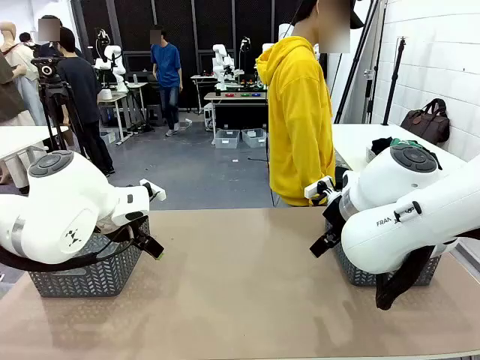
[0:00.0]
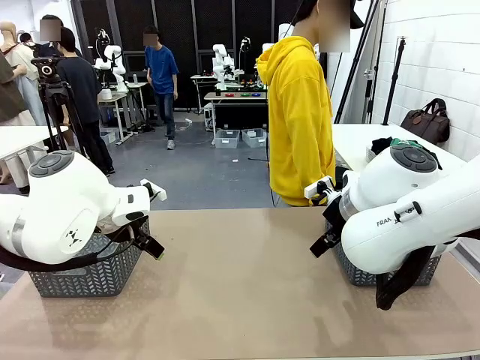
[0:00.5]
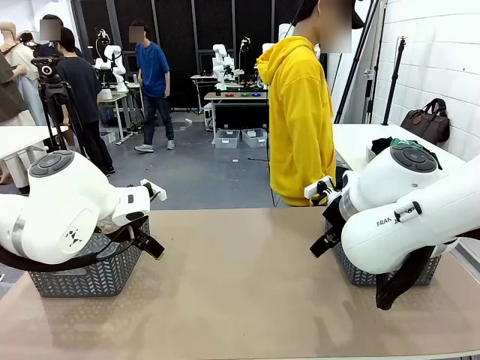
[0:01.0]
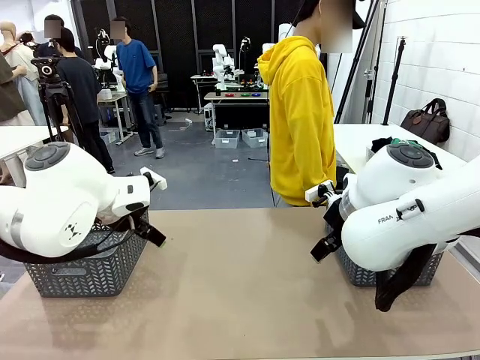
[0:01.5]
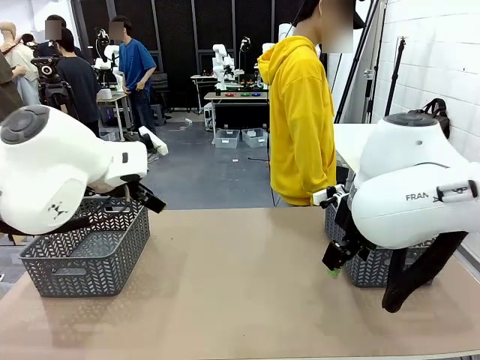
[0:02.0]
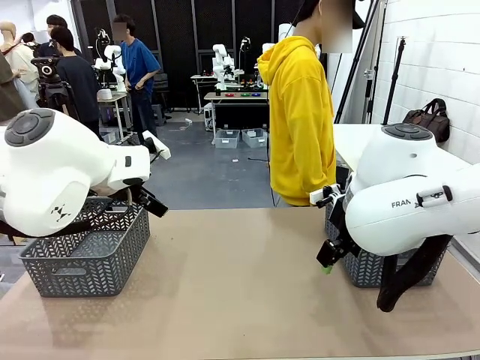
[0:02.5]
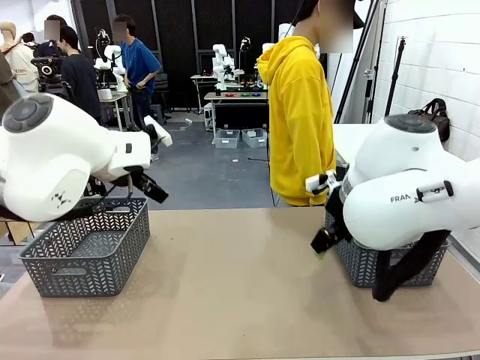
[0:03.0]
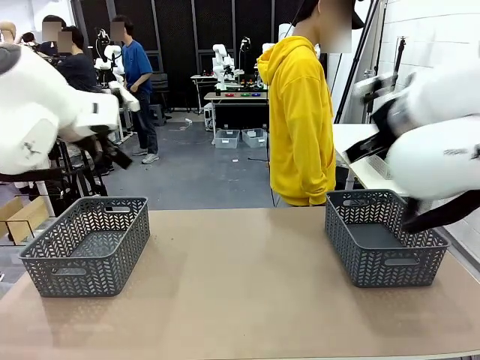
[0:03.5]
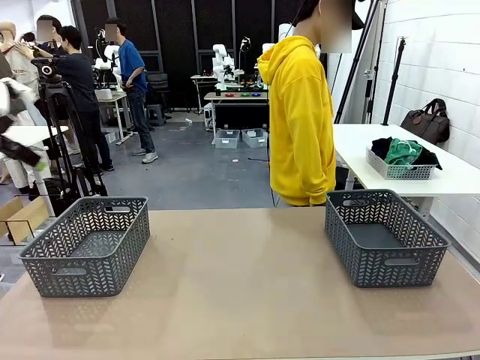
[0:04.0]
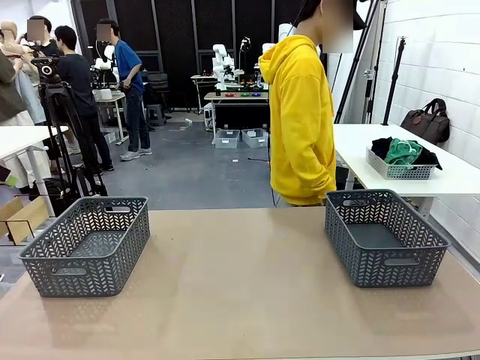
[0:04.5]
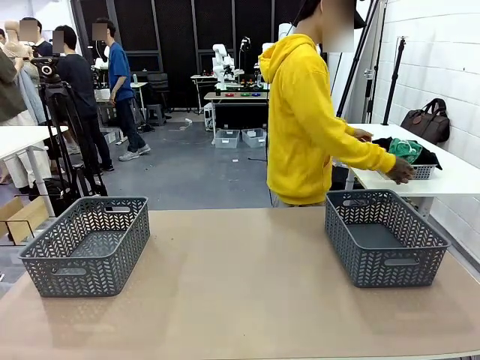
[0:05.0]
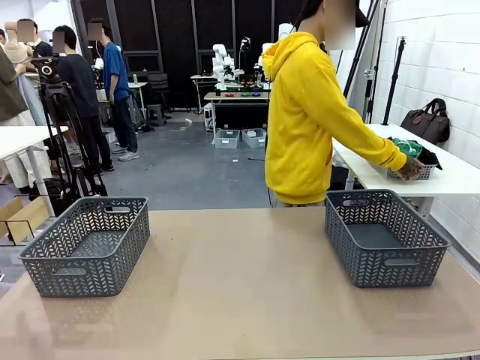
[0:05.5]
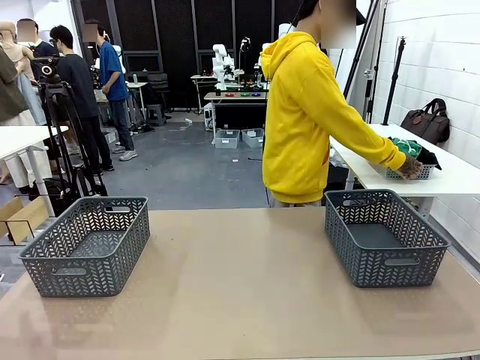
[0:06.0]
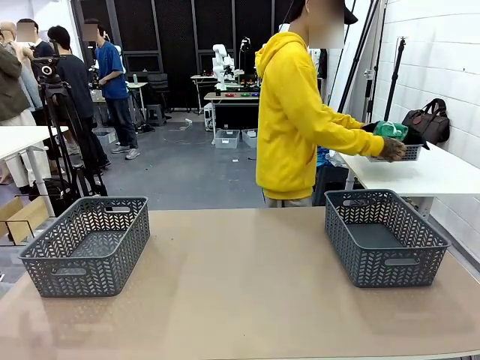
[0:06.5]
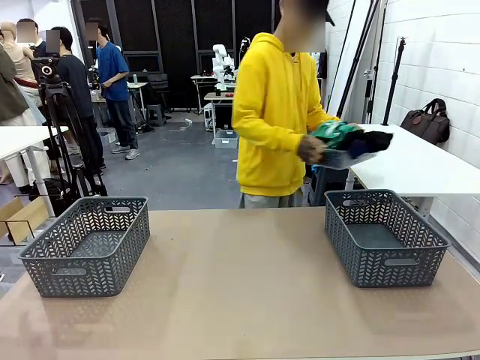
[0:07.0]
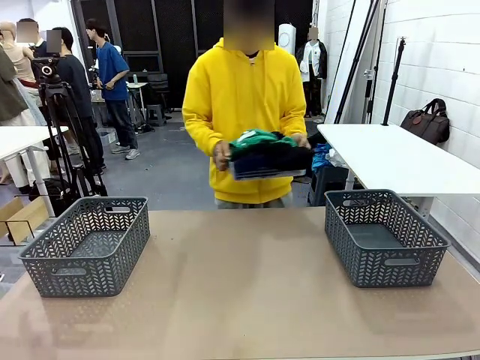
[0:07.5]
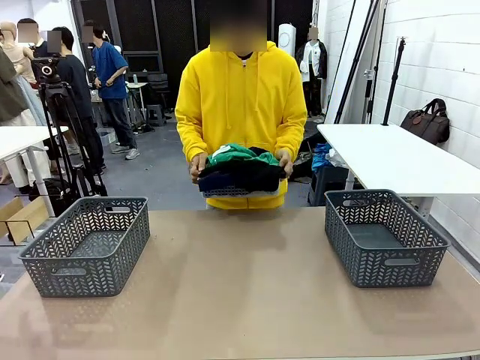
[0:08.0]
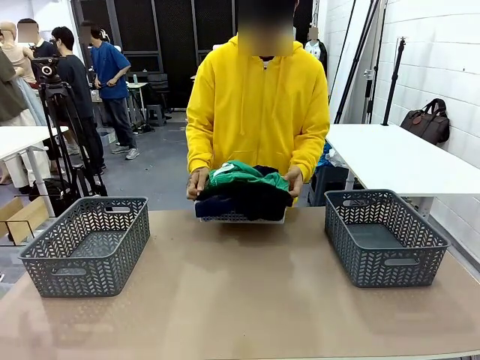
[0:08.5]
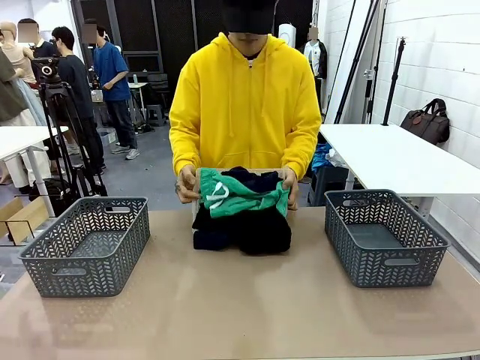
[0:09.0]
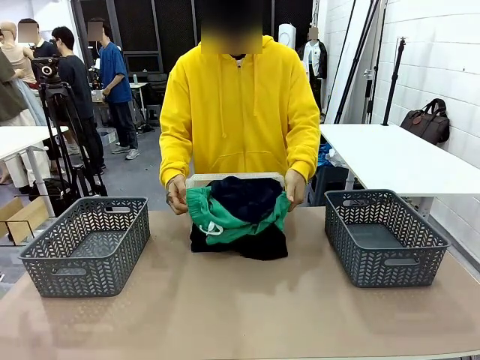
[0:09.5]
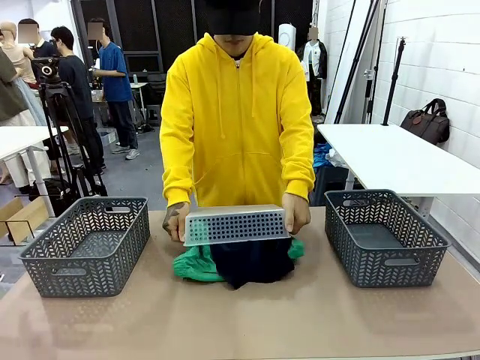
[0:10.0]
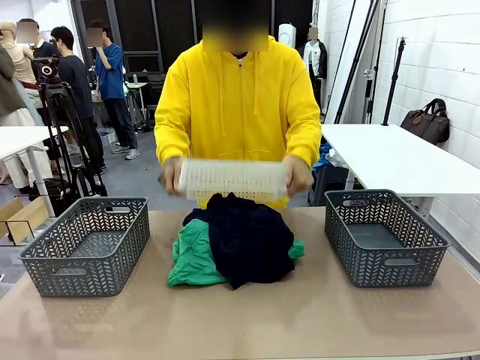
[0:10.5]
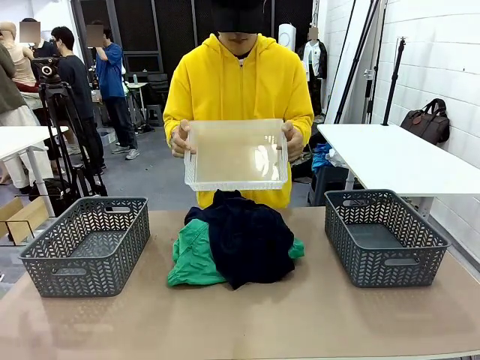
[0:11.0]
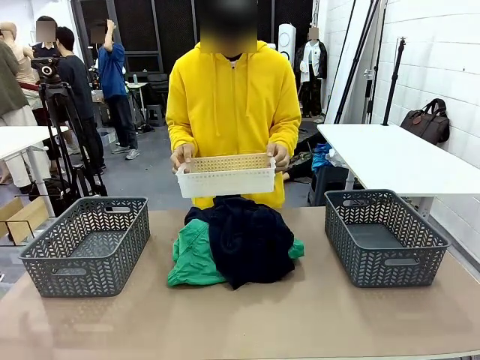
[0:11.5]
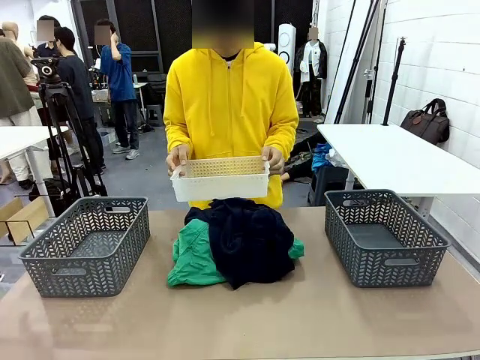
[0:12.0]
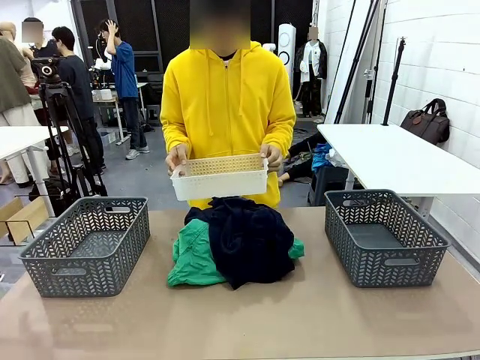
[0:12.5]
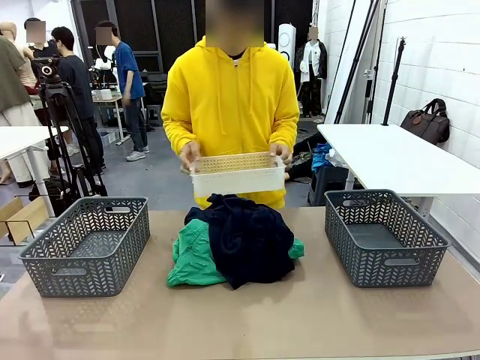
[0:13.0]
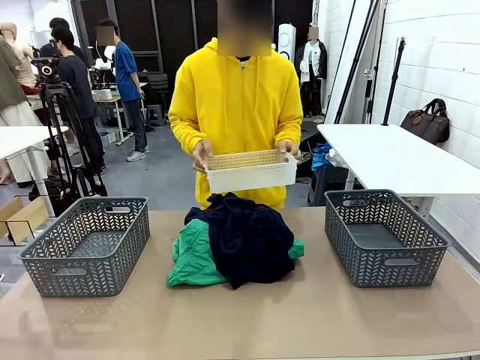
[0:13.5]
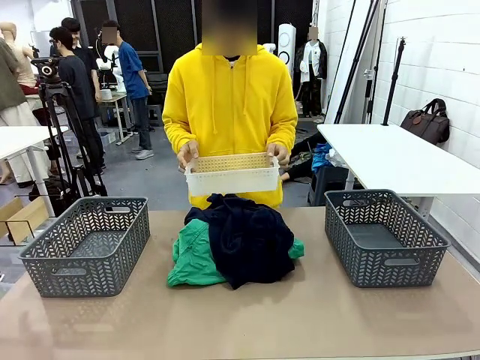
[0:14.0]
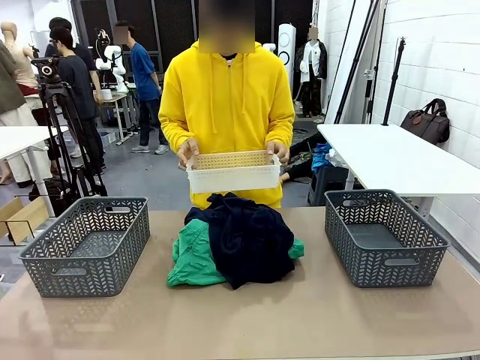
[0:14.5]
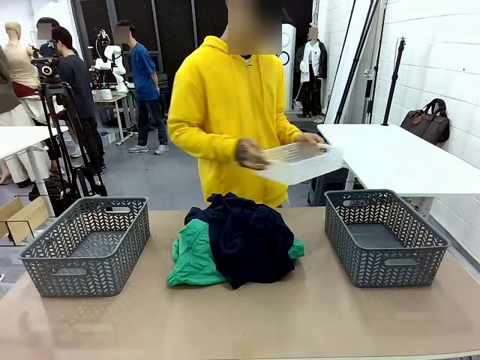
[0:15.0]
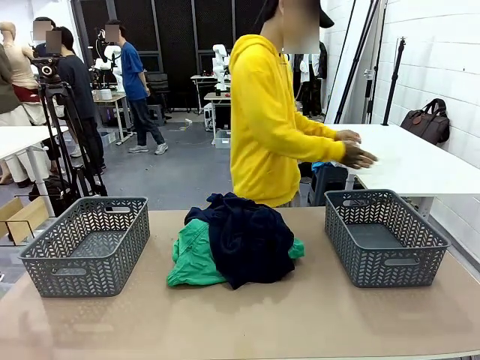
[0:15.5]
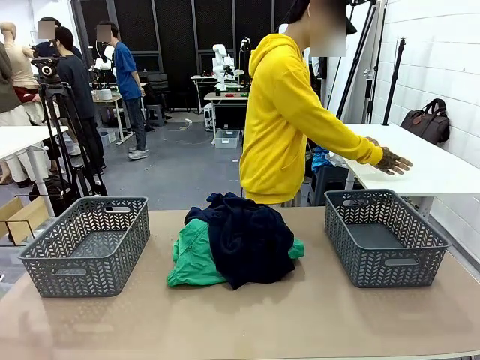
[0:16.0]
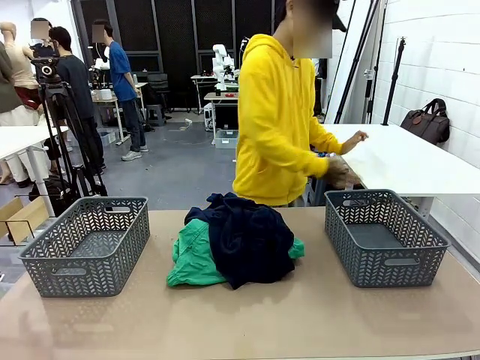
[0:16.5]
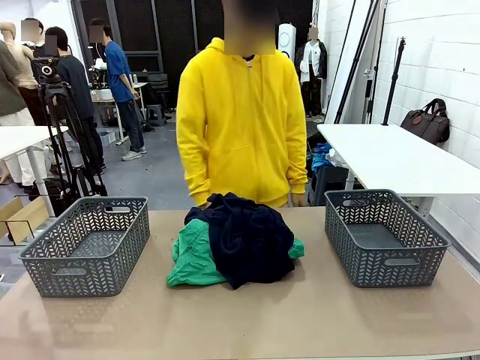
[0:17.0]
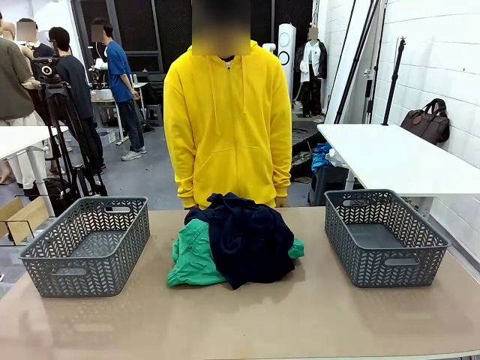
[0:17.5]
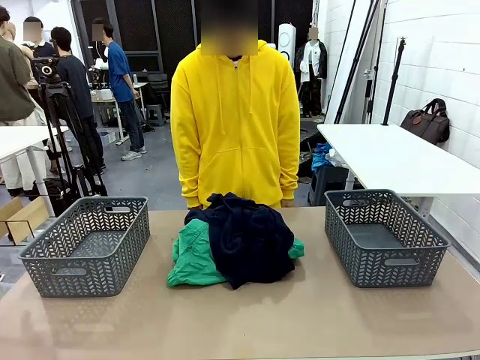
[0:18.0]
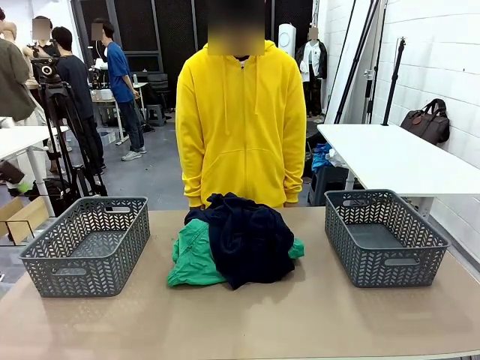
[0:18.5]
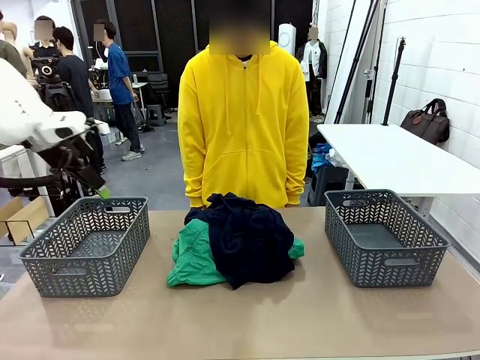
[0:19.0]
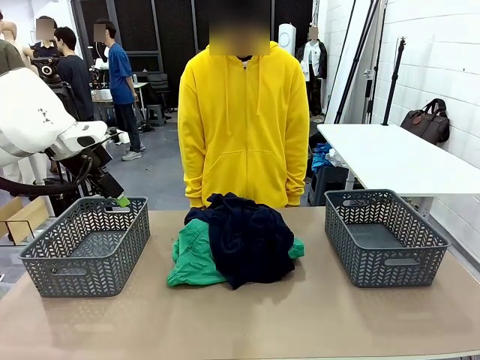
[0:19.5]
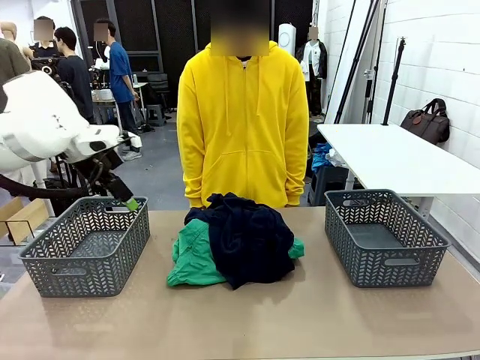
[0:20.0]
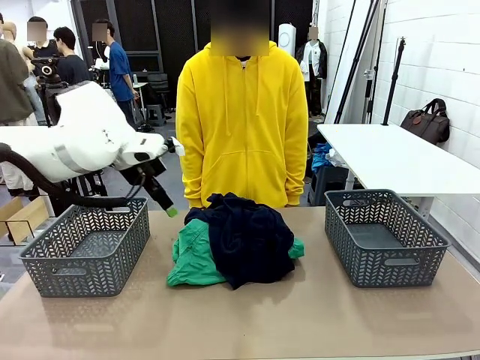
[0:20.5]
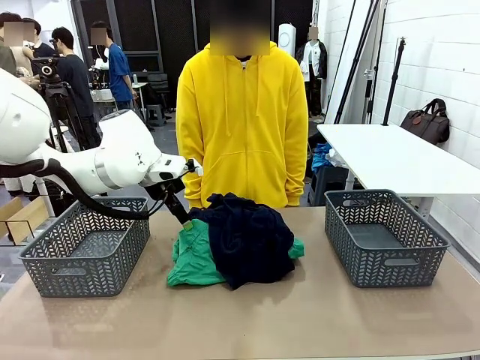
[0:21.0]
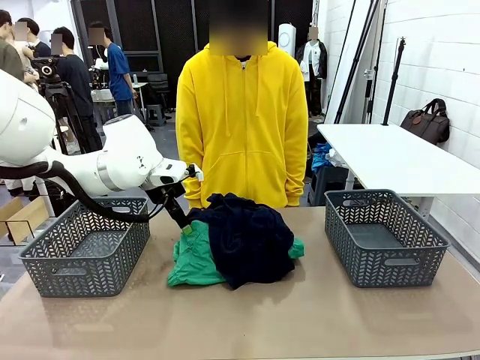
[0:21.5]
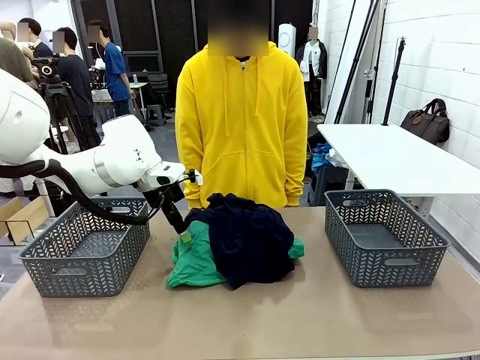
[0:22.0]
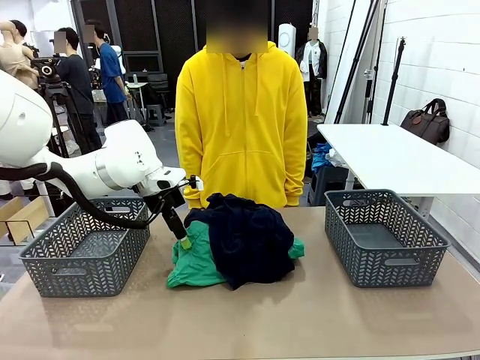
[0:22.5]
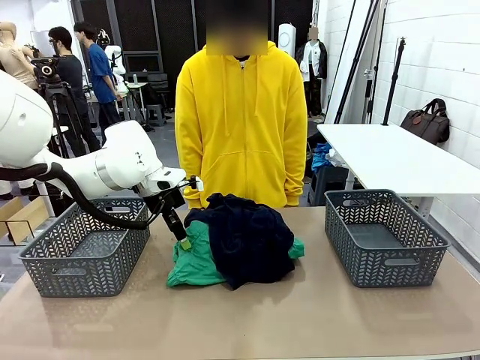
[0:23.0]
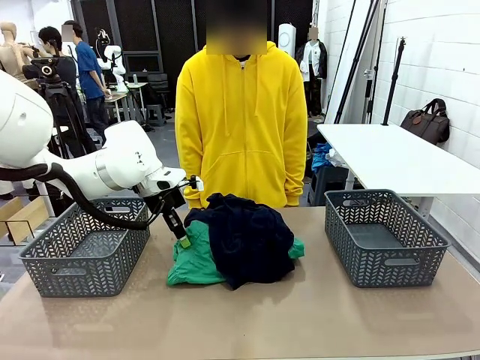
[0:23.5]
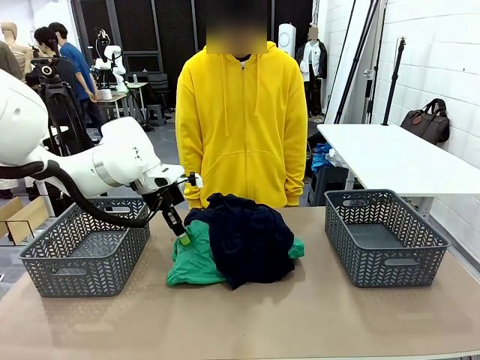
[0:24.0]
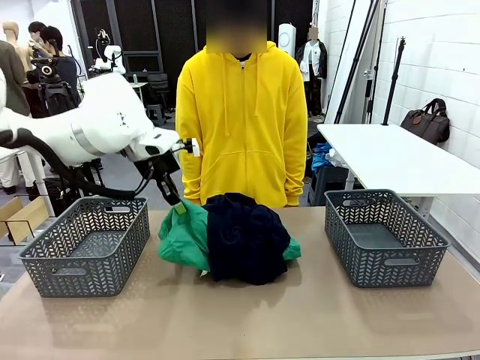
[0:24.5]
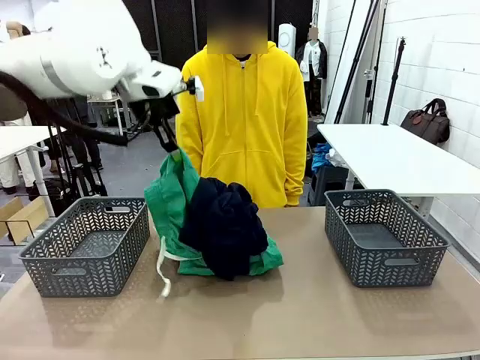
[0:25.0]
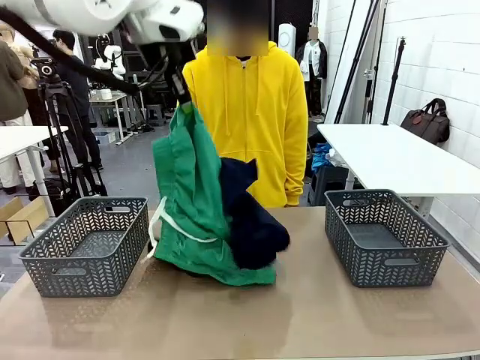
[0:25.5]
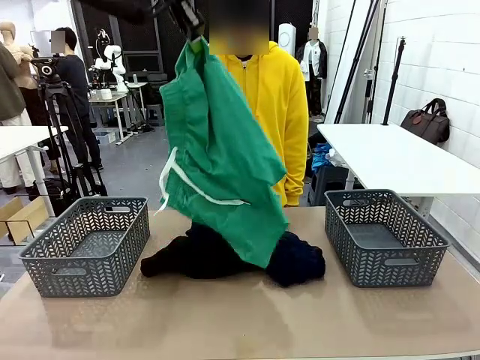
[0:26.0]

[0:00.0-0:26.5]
Task: Sort the tops and bottoms.
Robot: Lift clothes from the center of the table with your left hand.
Person: Pour the clothes from the basket onto the center of the robot table.
